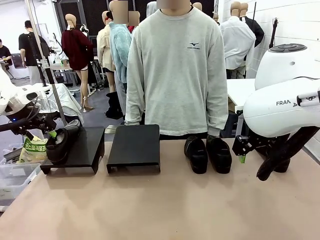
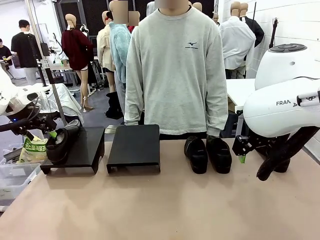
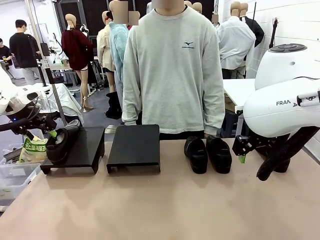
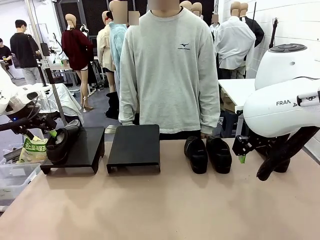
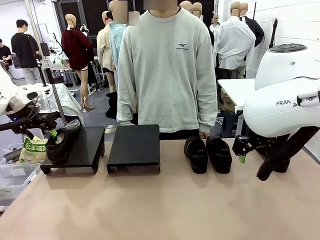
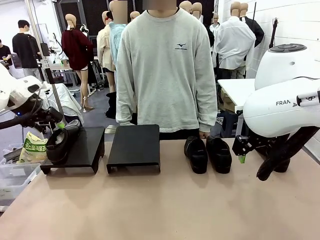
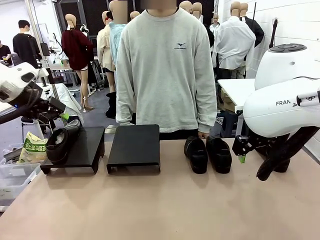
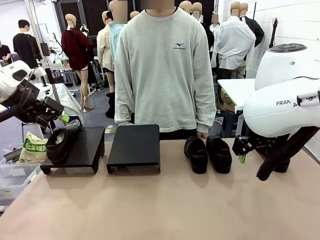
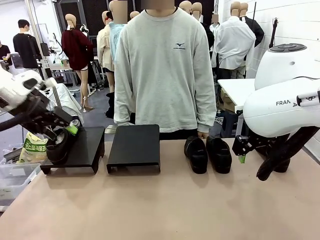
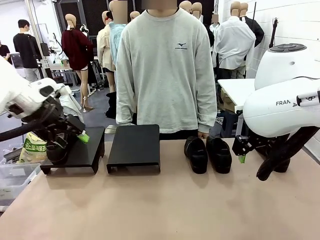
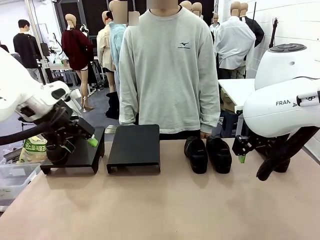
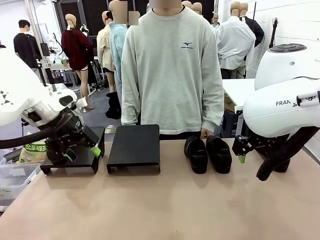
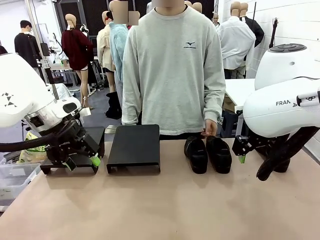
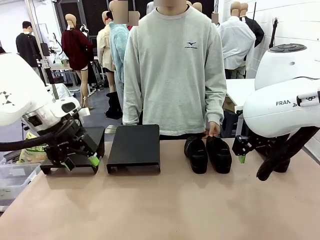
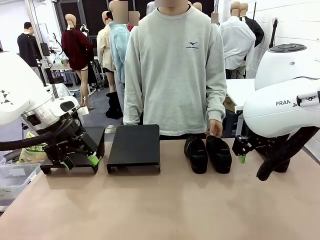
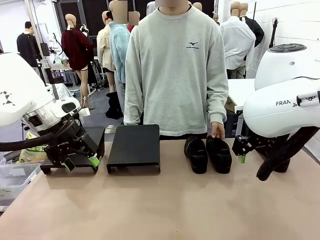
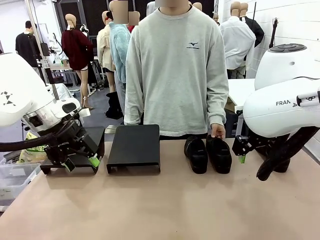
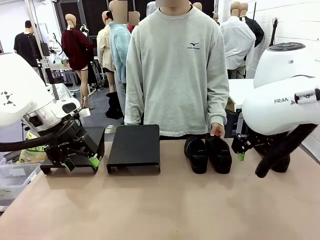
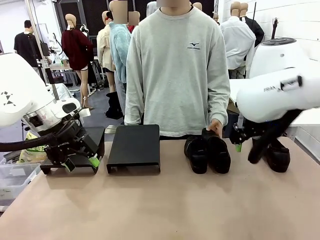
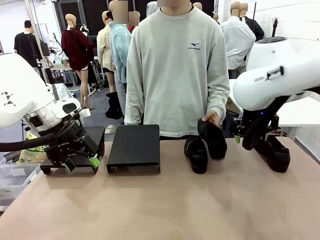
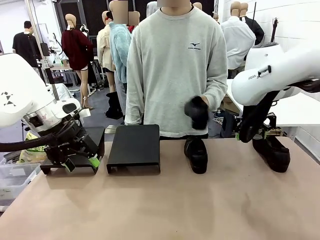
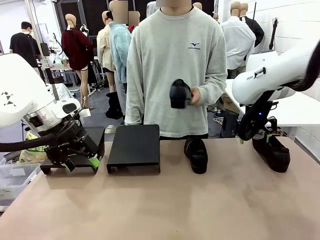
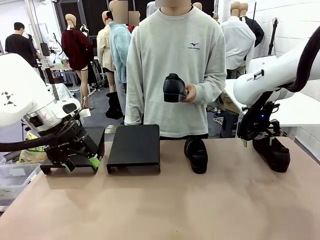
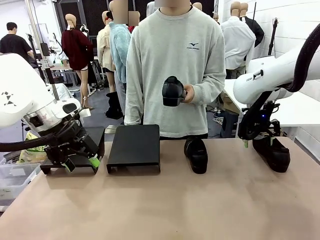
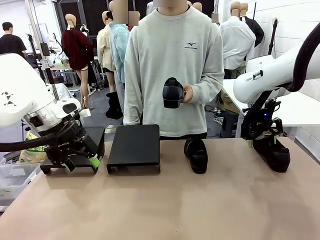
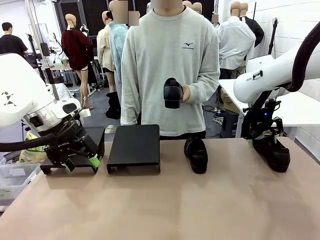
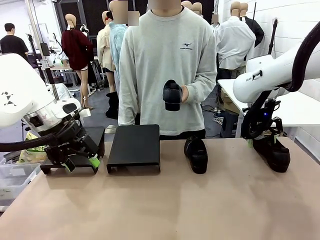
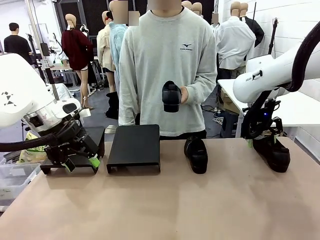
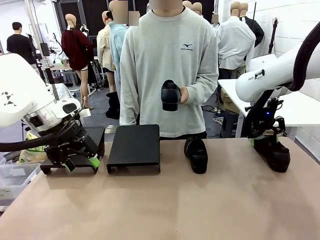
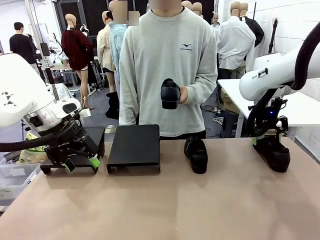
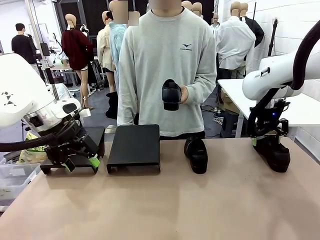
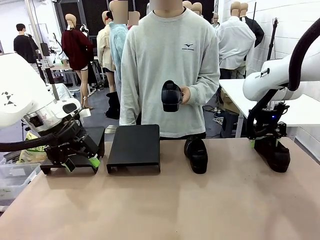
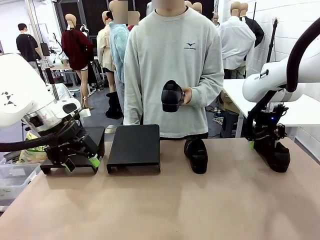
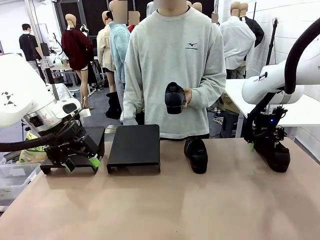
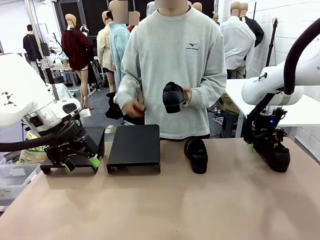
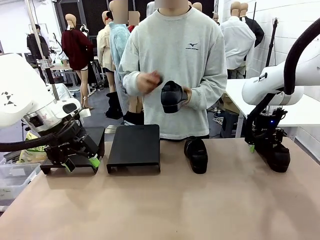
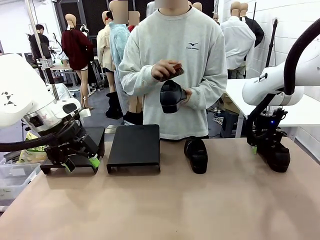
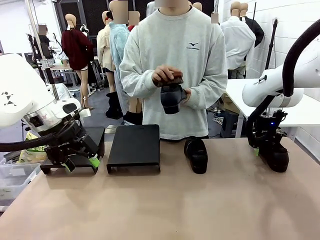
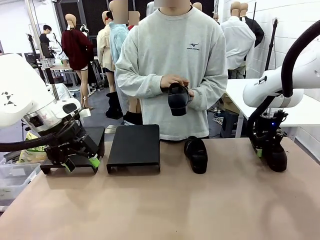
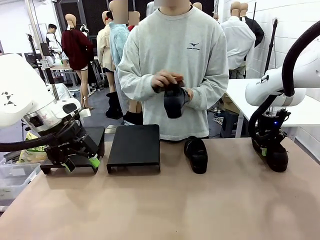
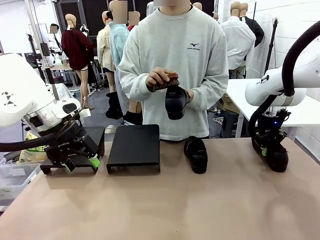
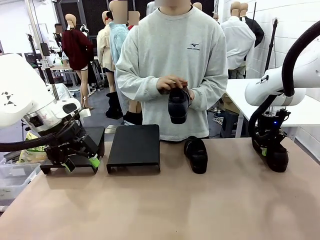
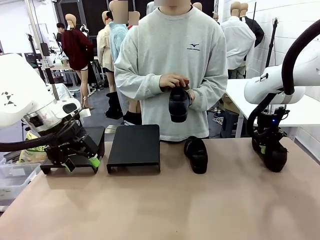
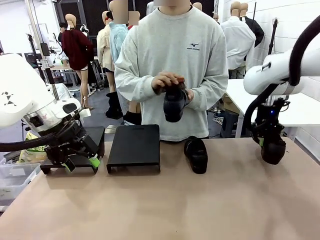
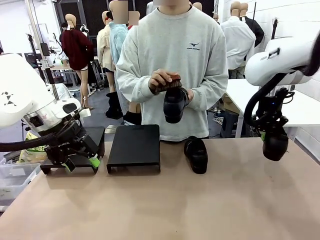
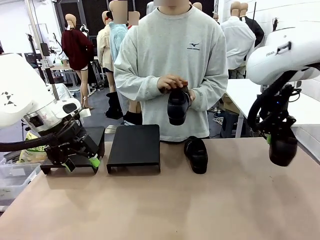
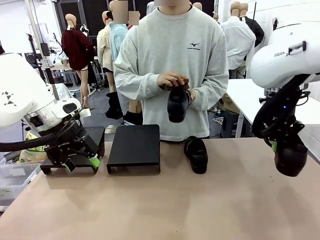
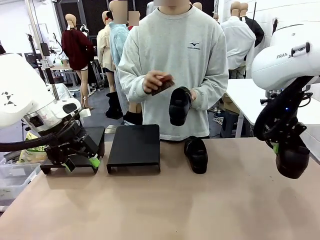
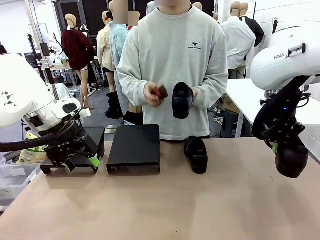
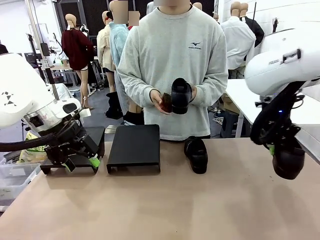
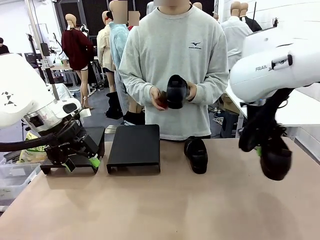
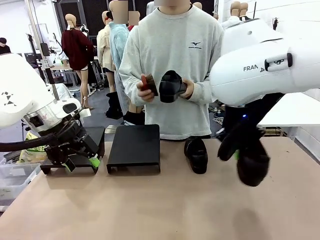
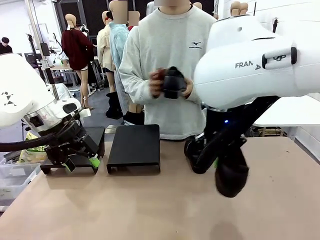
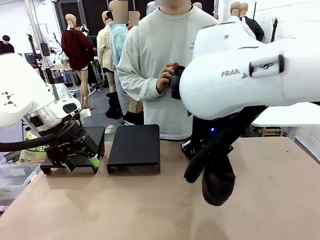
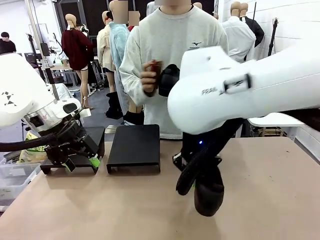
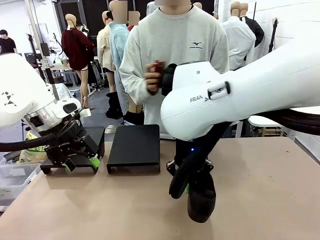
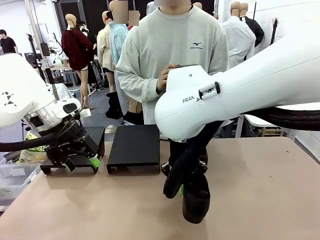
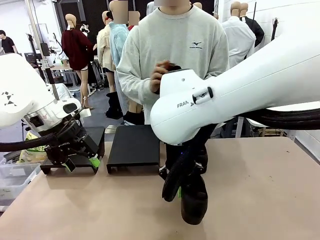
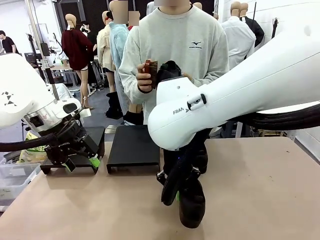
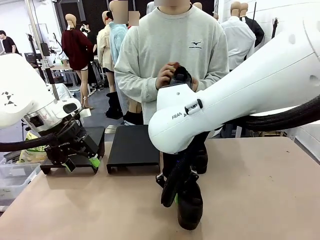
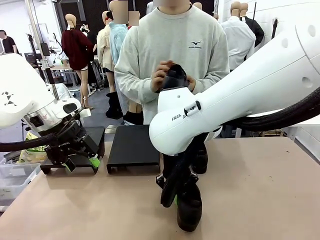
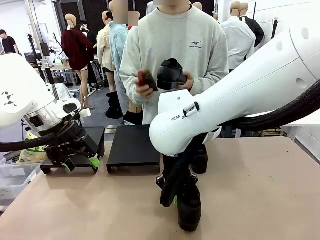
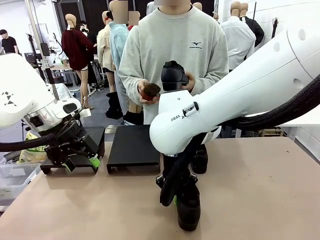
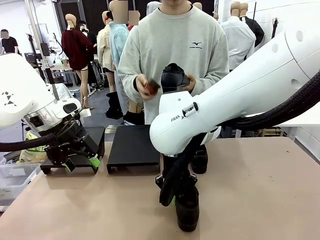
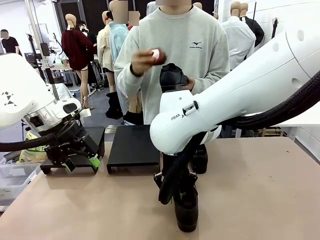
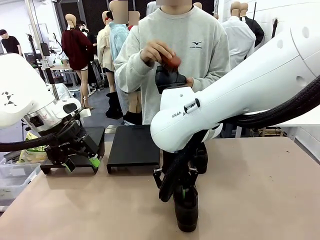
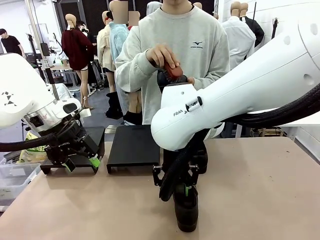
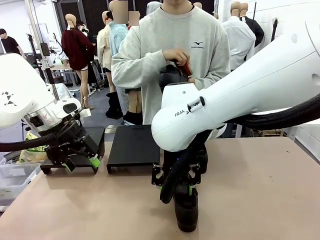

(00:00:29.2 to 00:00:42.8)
Task: Organize the shoes by placing them on the stand.
Robot: Pick up one Shoe and place it in the middle of the table.
Person: Pick one Shoe on Robot's table. Clean the Shoe with the Shoe Brush.

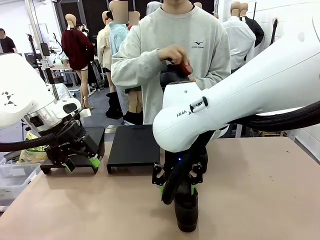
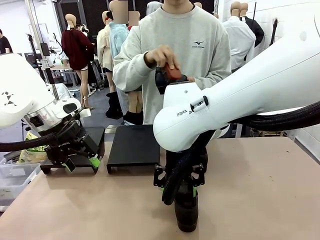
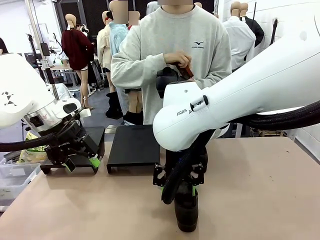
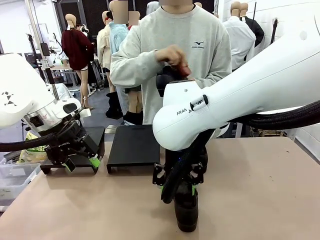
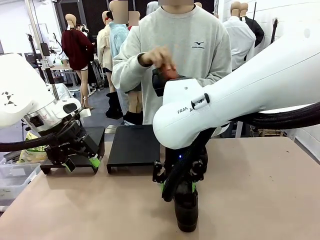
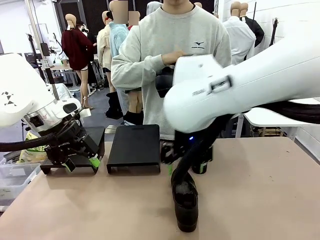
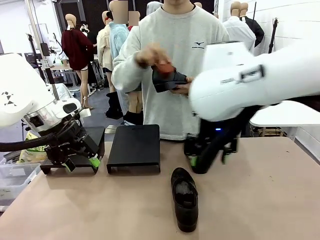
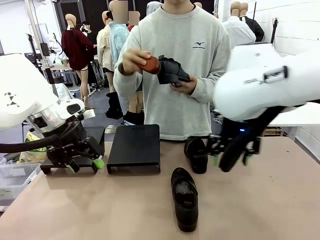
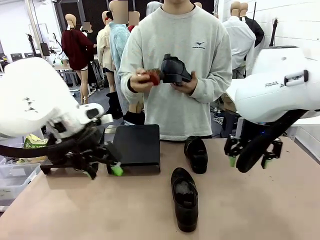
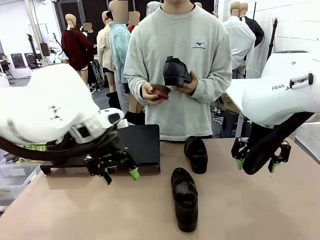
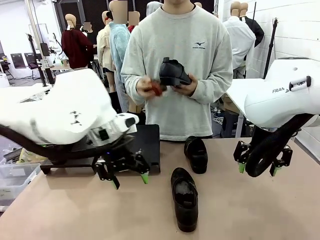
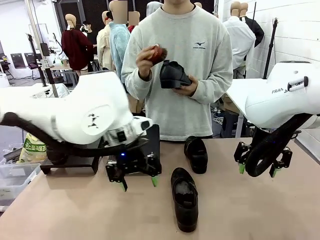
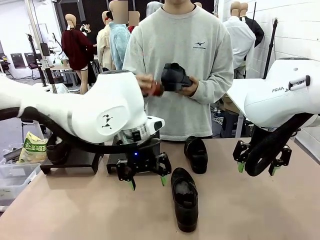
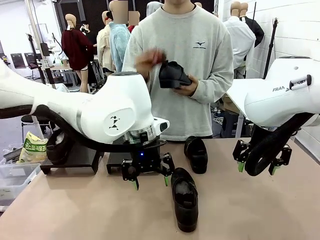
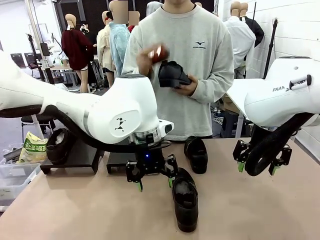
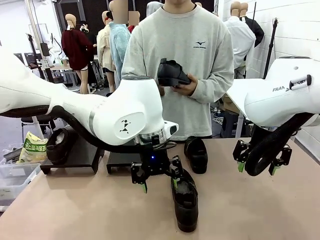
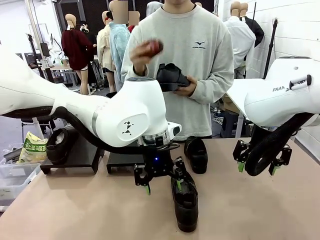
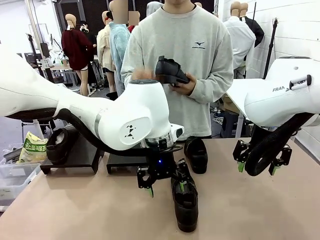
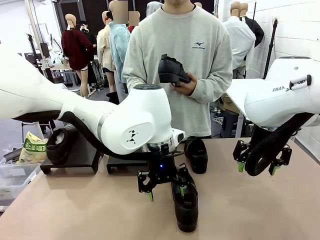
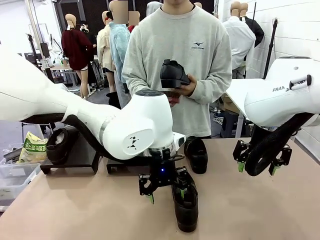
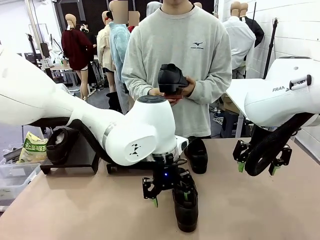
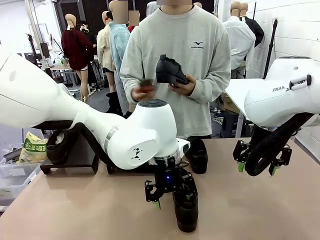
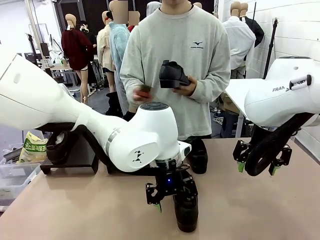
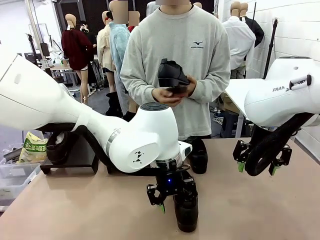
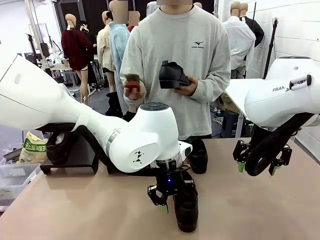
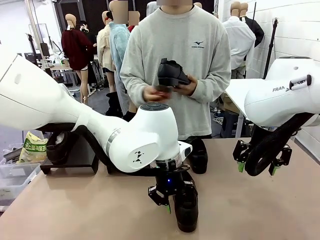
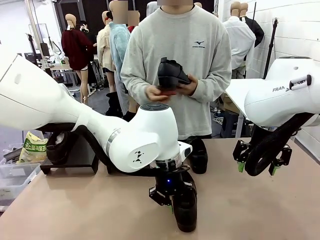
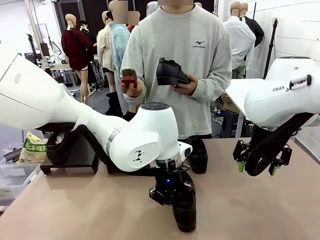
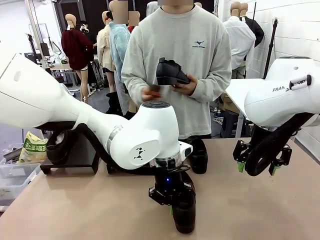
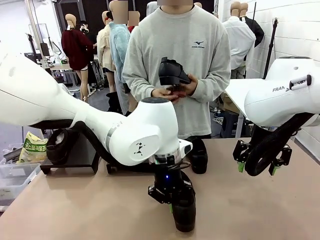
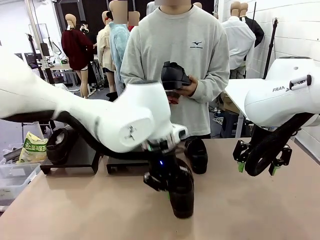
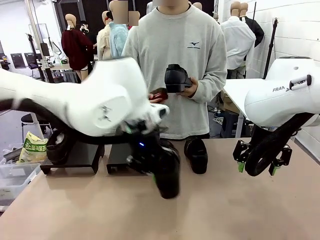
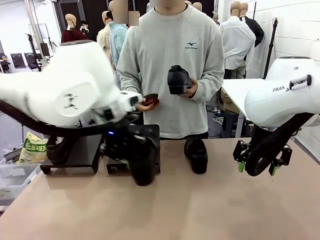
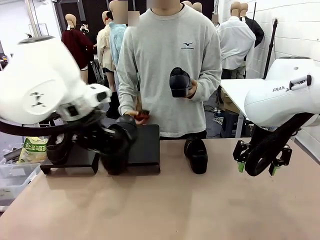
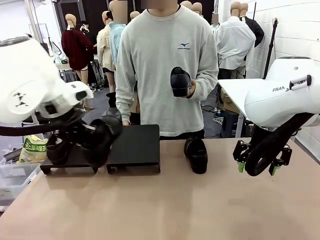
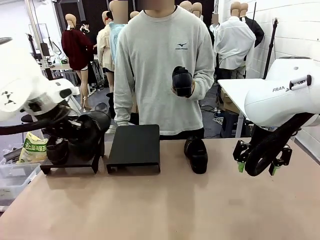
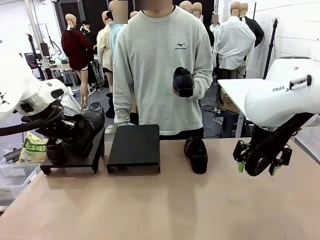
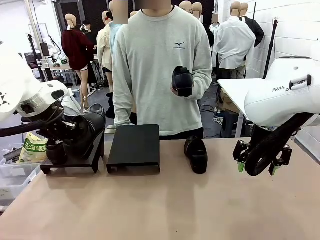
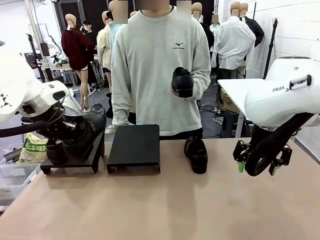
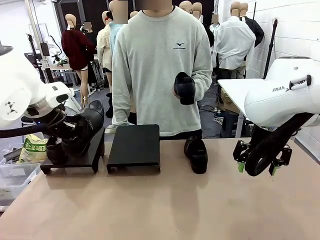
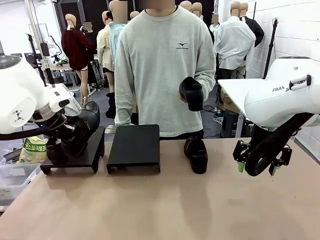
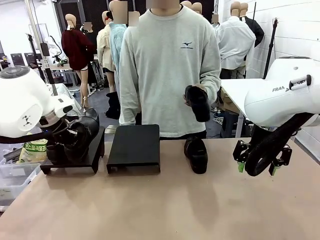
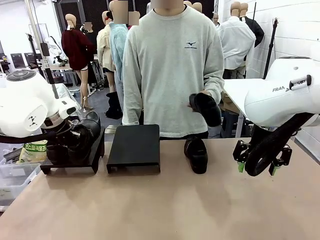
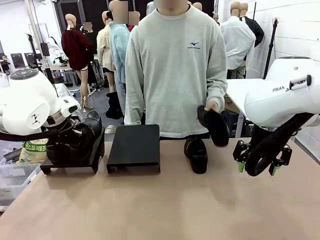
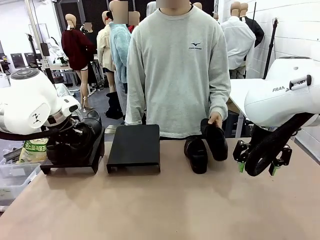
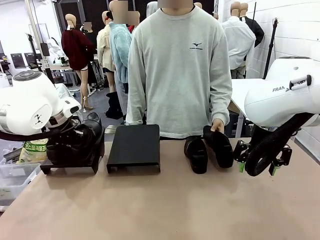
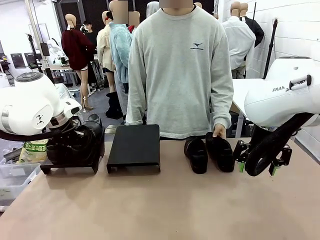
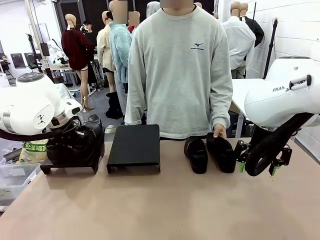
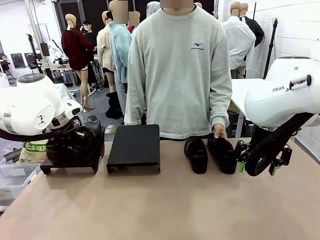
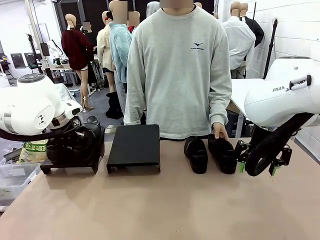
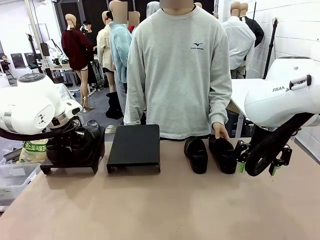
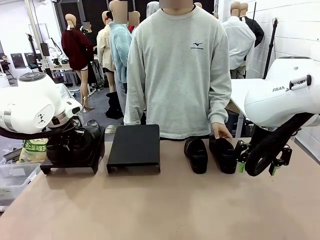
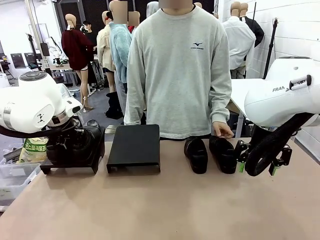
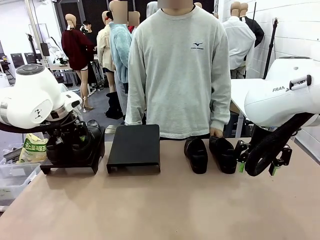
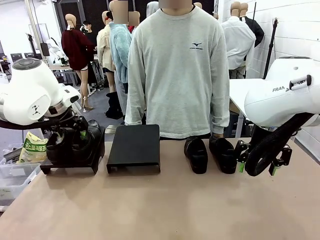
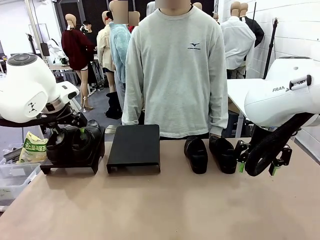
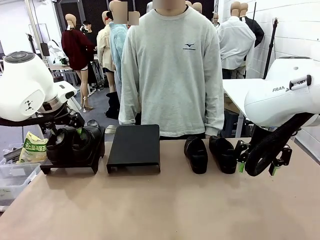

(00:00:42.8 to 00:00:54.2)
Robot: Place the Shoe from the middle of the table onto the Shoes Stand.
